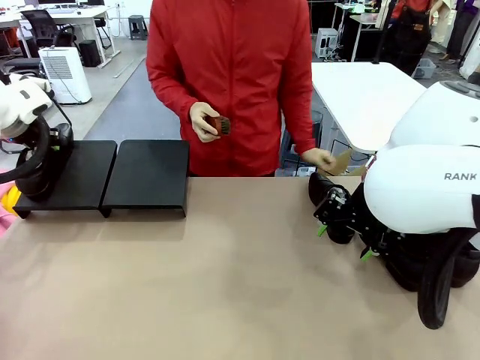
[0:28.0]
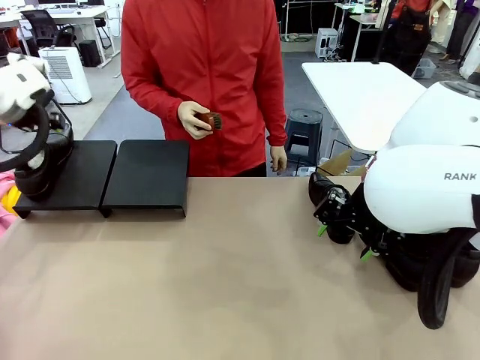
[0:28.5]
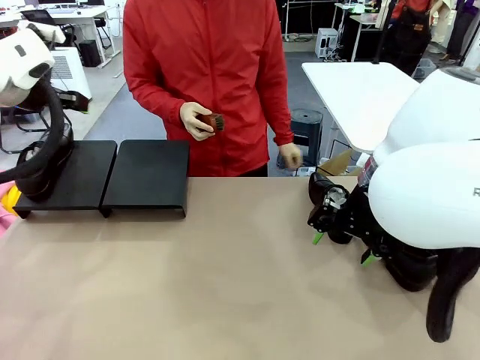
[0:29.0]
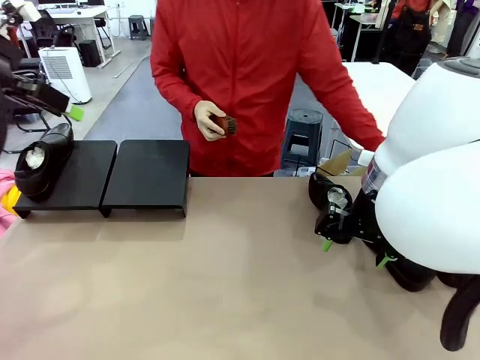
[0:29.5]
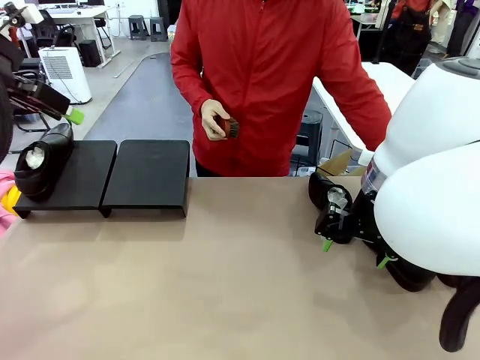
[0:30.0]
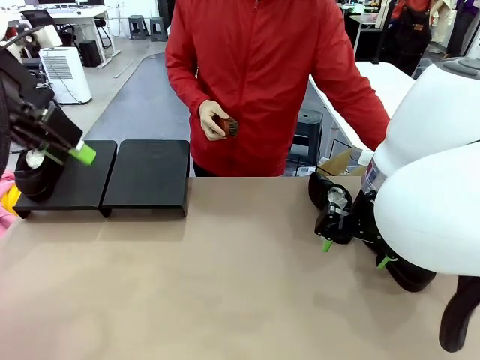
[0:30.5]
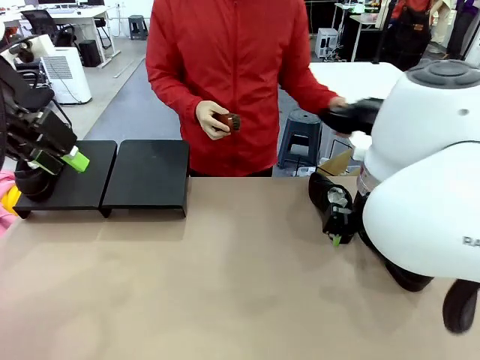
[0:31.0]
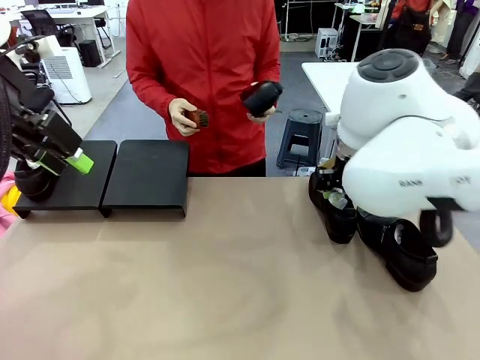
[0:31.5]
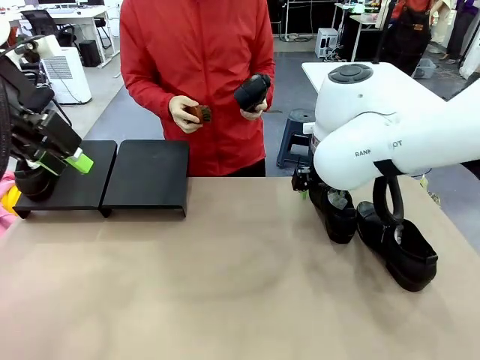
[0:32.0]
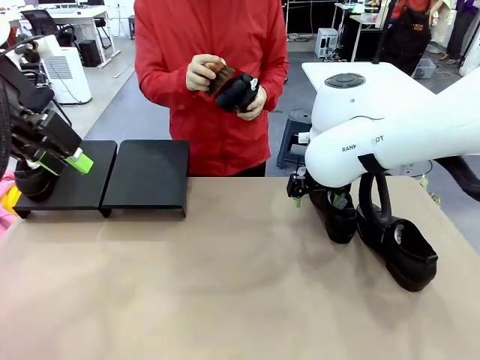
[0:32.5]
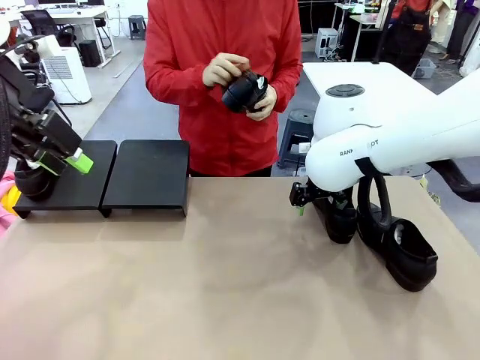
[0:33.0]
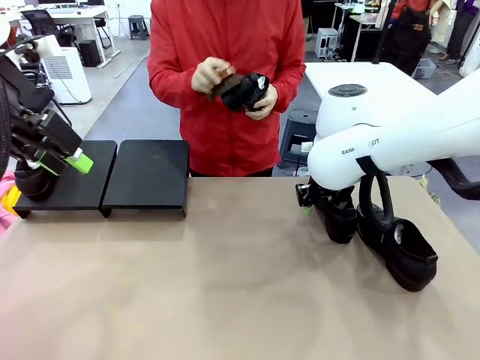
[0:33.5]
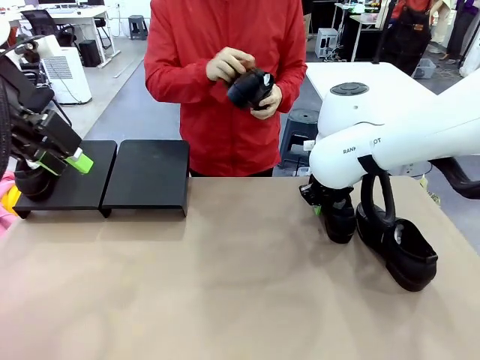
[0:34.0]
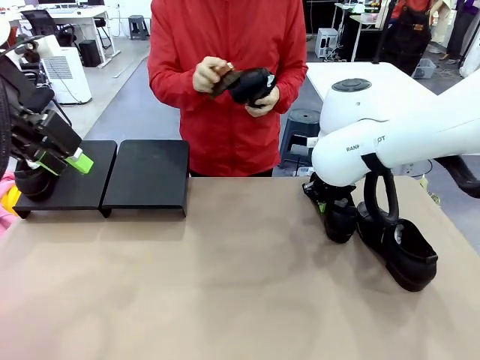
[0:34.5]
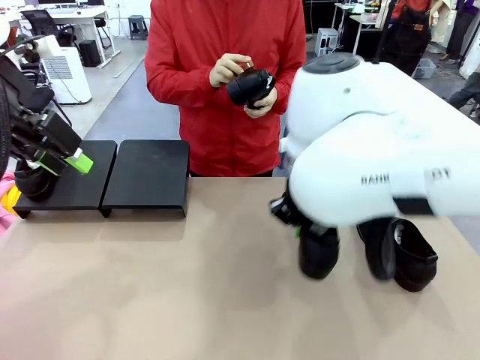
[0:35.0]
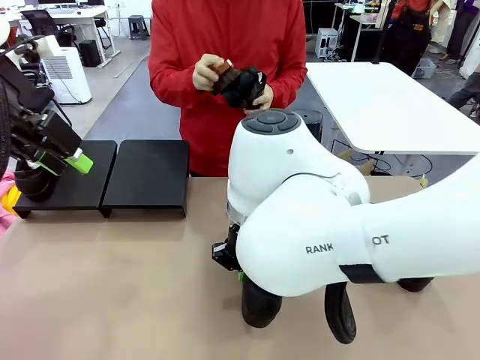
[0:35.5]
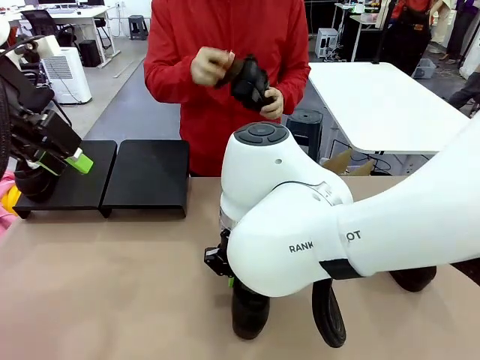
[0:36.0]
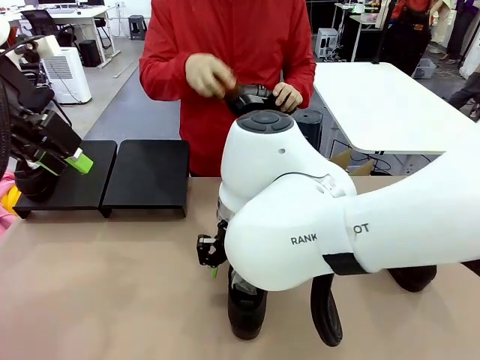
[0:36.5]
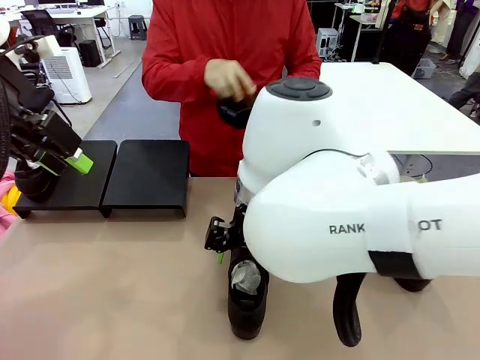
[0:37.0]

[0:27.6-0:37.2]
Task: Organize the shoes by placing them on the stand.
Robot: Pick up one Shoe and place it in the middle of the table.
Person: Pick one Shoe on Robot's table.

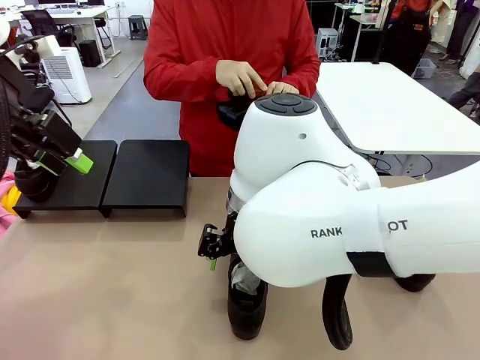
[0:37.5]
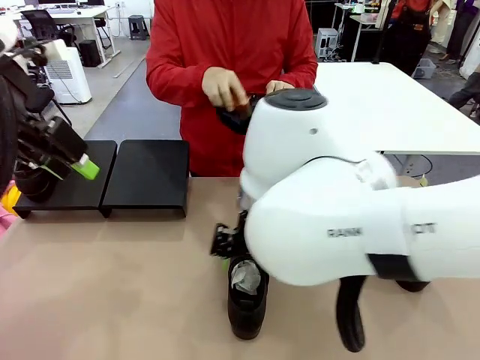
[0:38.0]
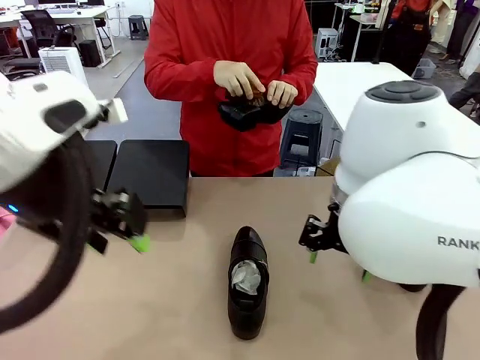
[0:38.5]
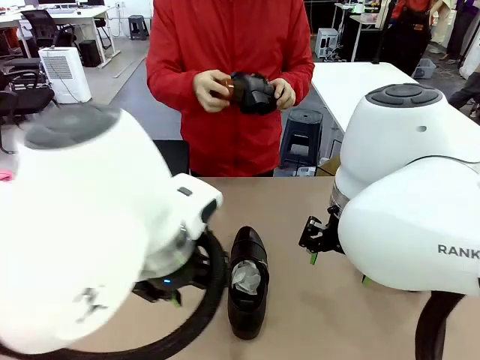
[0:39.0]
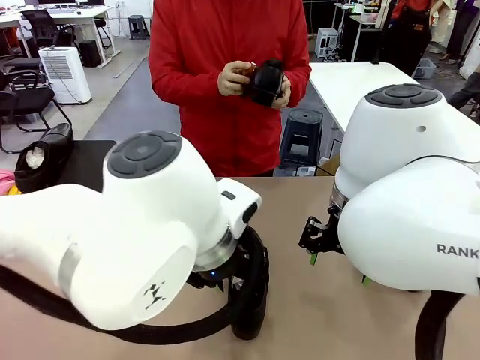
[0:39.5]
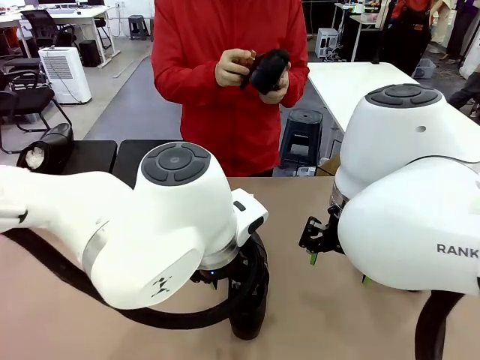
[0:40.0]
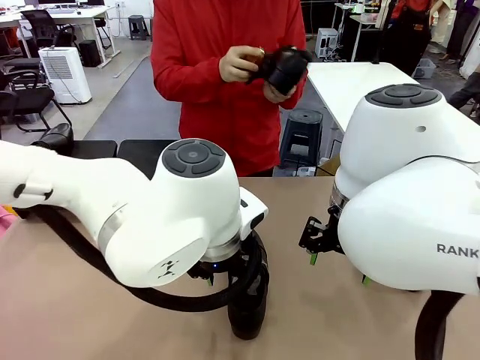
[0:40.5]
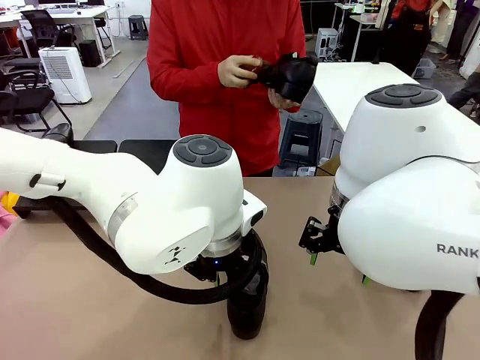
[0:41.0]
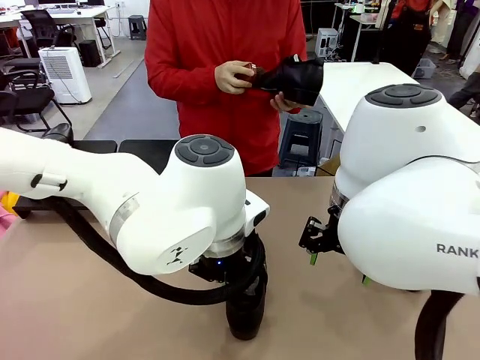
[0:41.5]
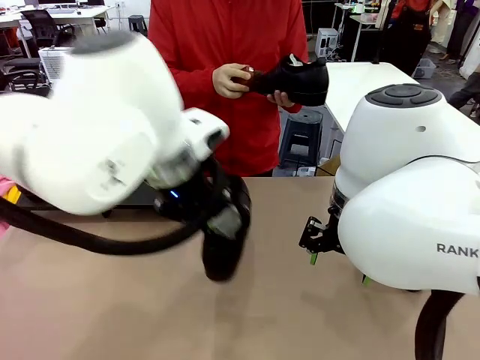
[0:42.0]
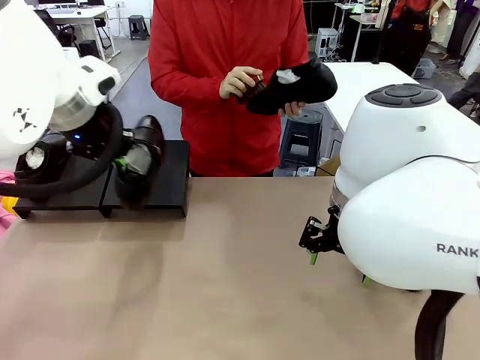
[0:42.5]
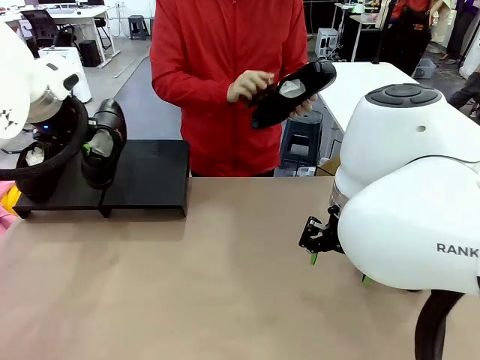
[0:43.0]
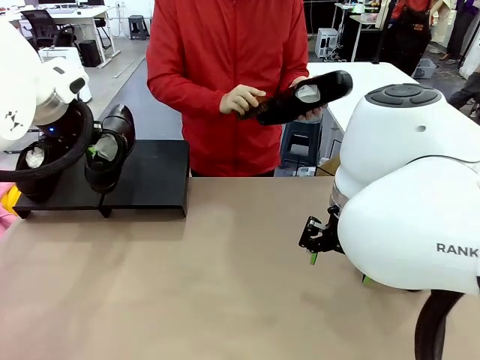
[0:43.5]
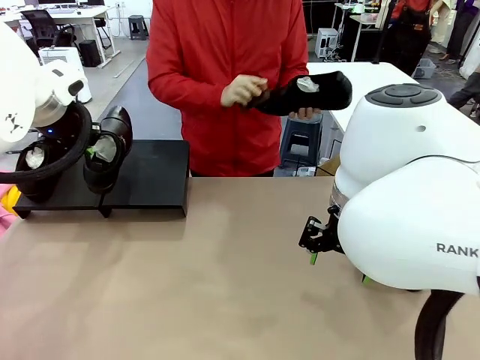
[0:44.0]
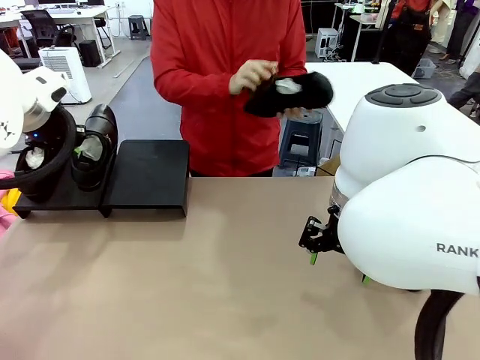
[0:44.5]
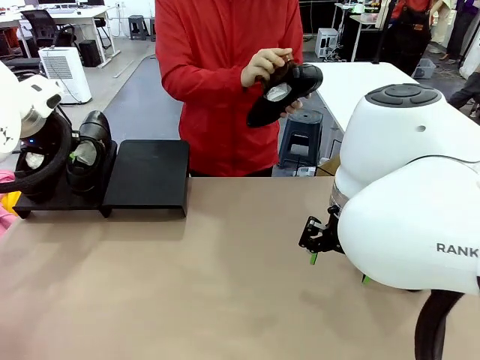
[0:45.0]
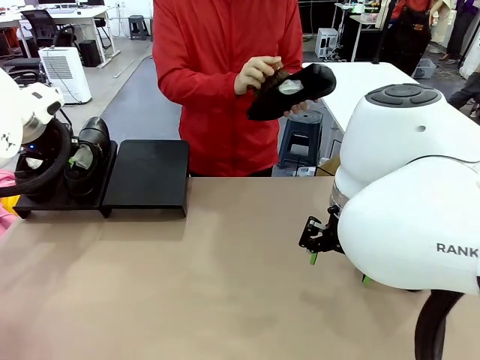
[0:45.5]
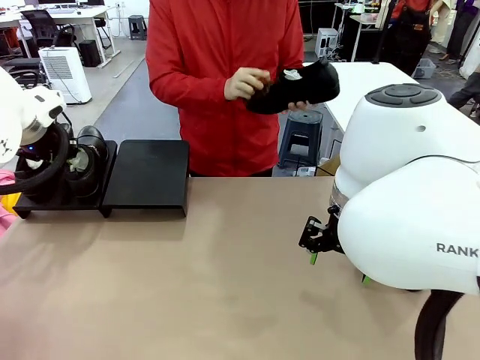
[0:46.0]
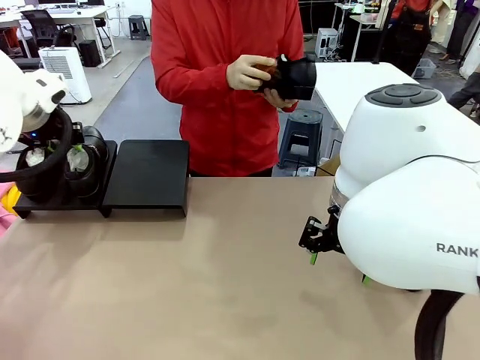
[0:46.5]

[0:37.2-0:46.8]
Robot: Place the Shoe from the middle of the table onto the Shoes Stand.

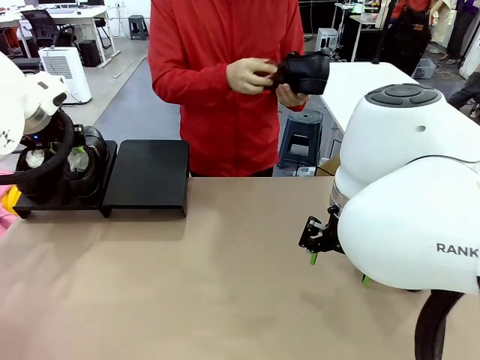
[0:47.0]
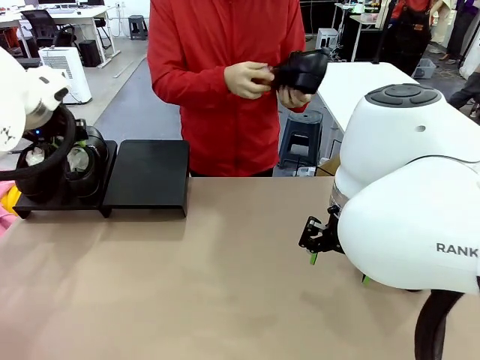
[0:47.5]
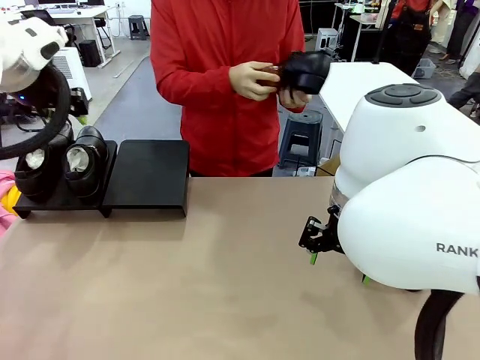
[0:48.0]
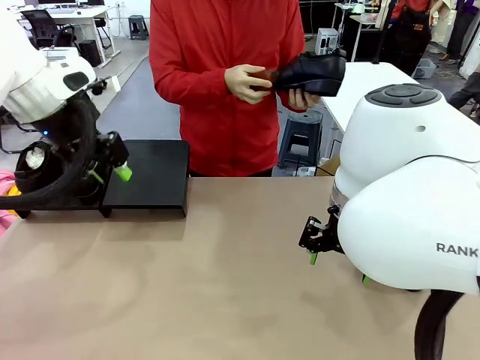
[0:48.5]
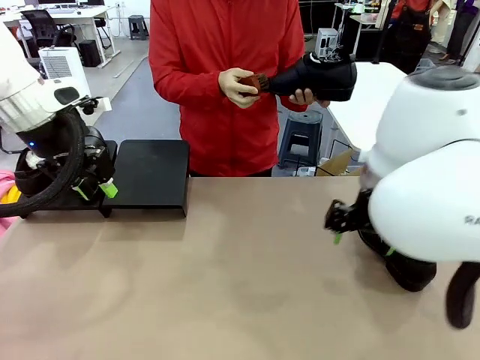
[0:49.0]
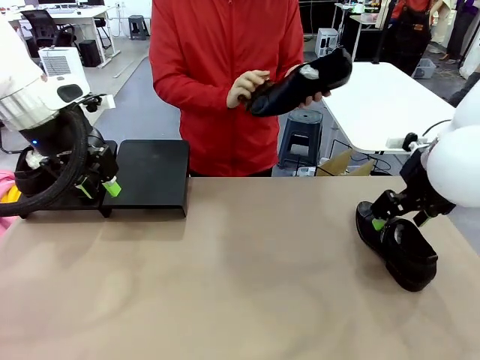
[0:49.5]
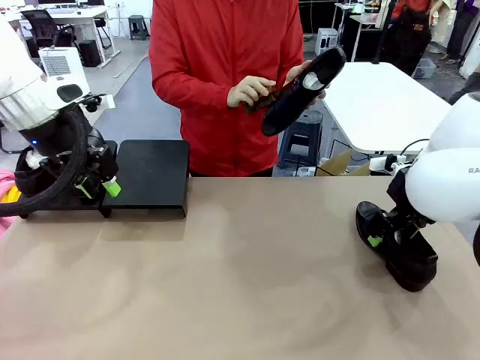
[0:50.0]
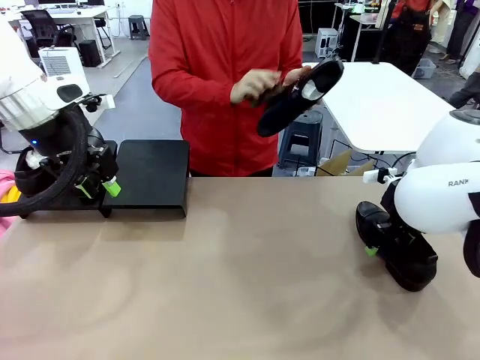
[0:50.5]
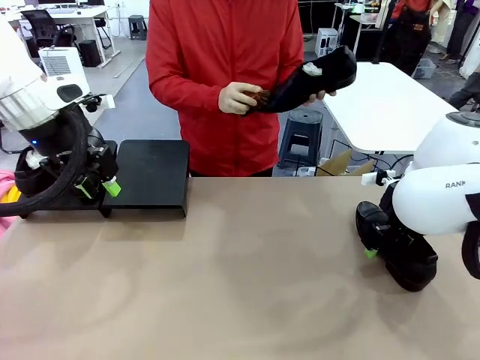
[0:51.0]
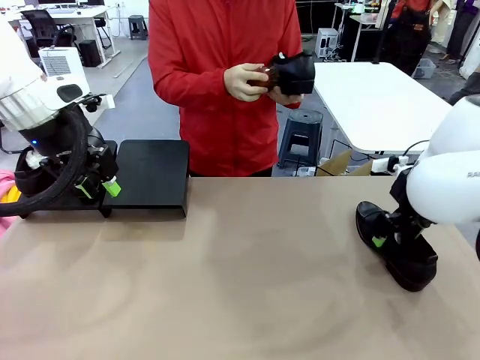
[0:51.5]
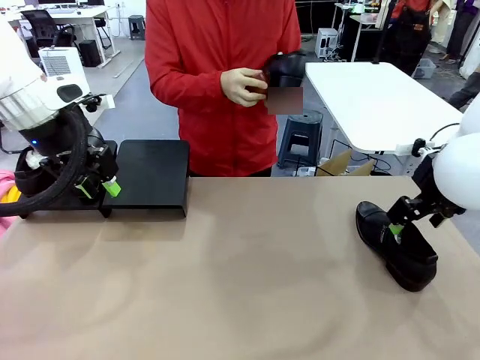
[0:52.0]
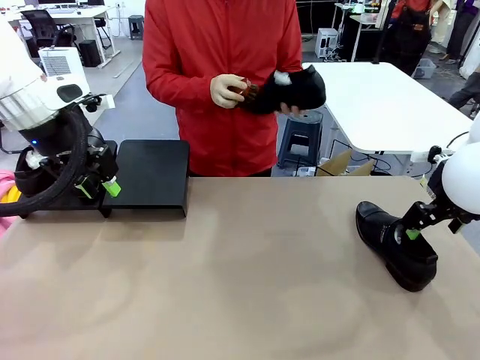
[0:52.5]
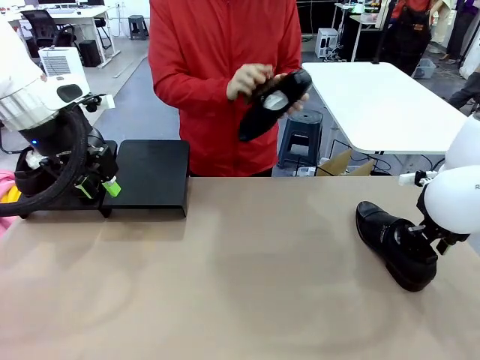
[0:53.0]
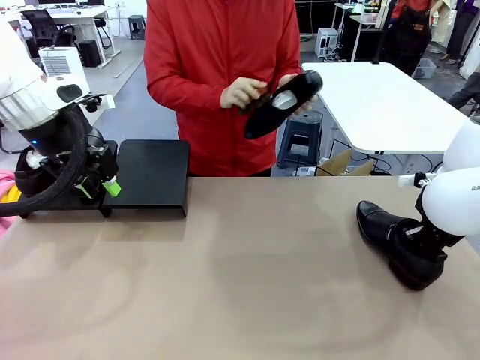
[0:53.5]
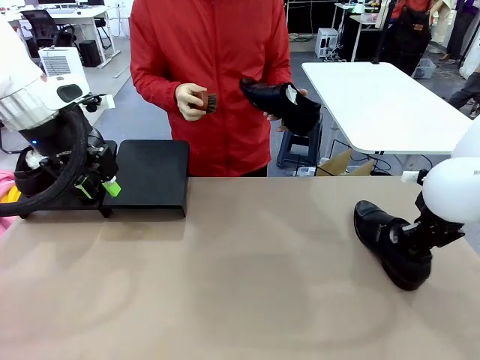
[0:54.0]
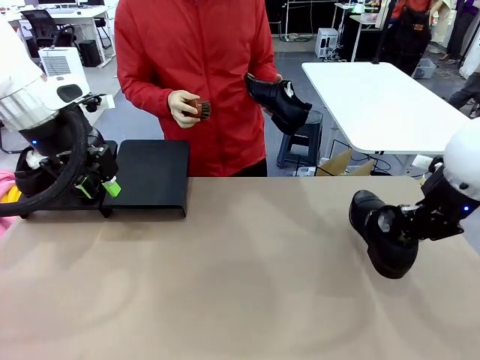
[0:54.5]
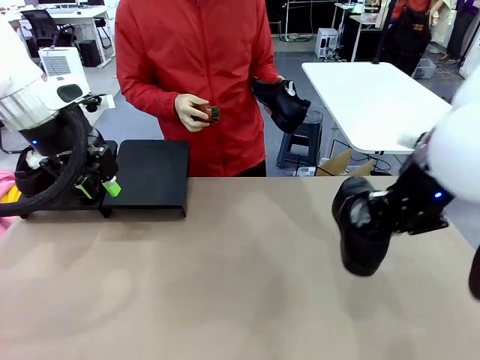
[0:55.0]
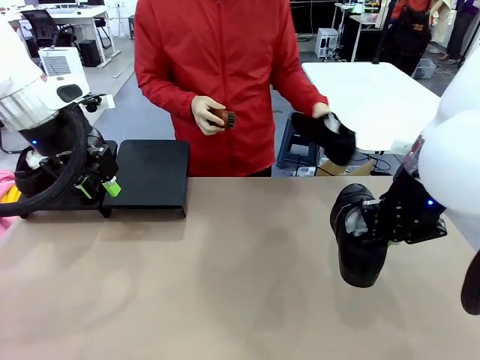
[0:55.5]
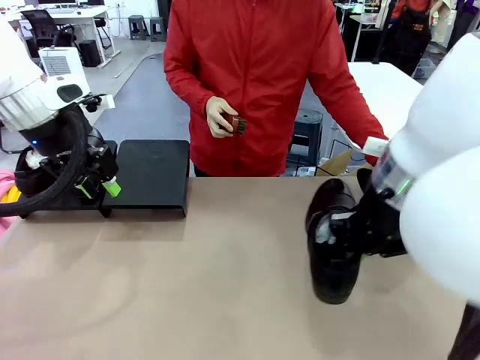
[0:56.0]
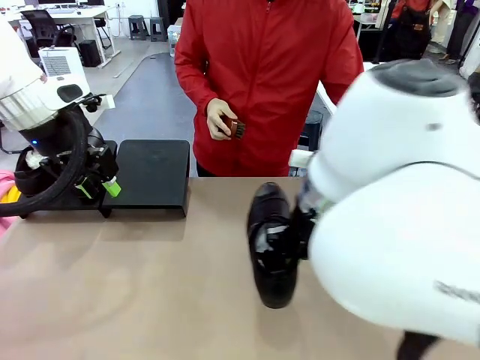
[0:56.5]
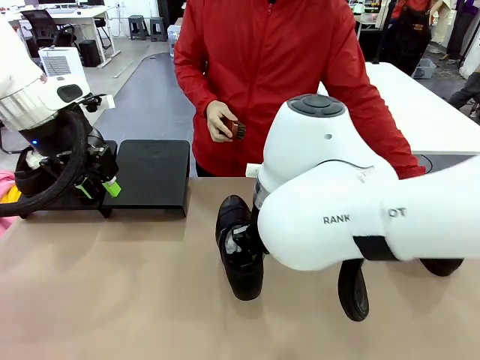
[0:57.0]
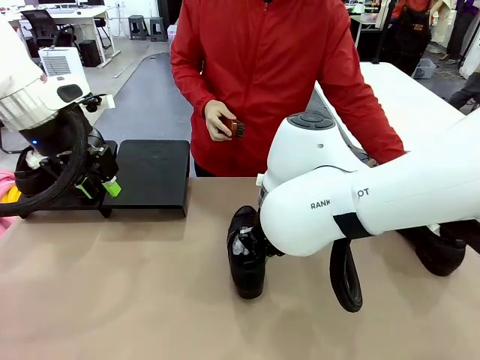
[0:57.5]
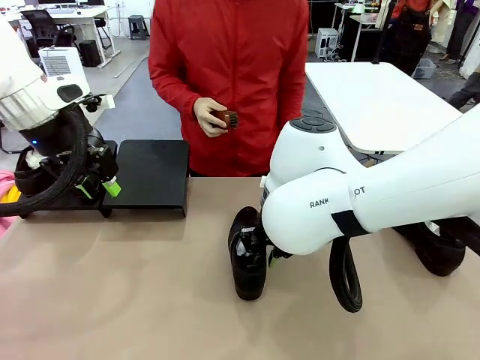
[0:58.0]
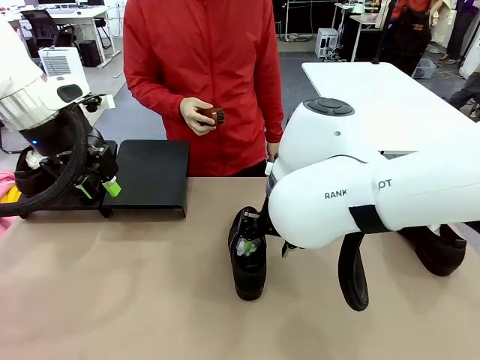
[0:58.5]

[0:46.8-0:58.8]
Robot: Pick up one Shoe and place it in the middle of the table.
